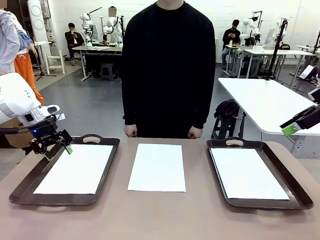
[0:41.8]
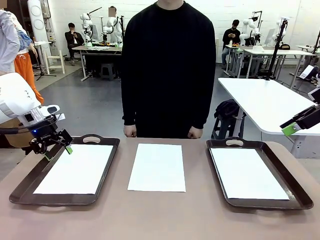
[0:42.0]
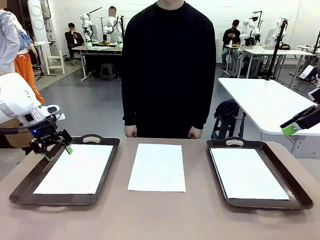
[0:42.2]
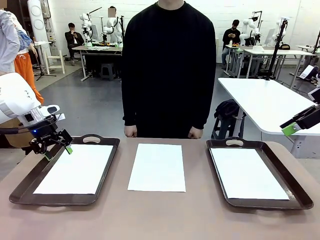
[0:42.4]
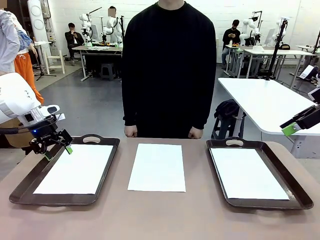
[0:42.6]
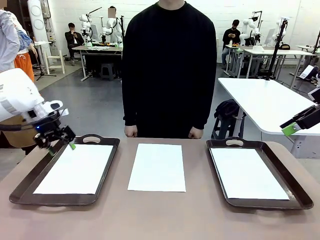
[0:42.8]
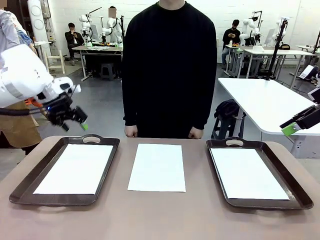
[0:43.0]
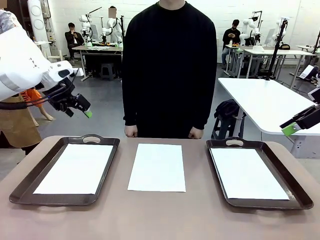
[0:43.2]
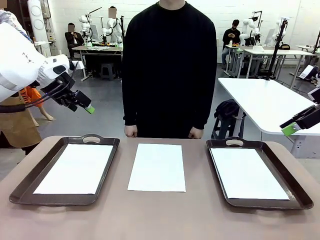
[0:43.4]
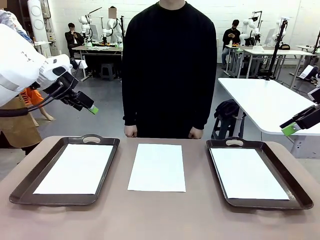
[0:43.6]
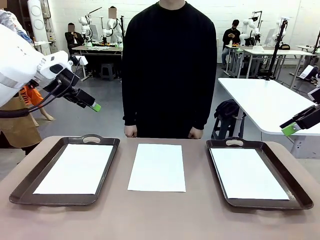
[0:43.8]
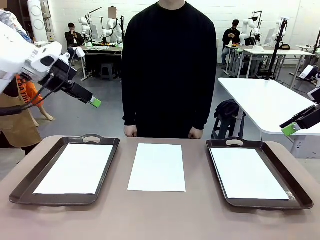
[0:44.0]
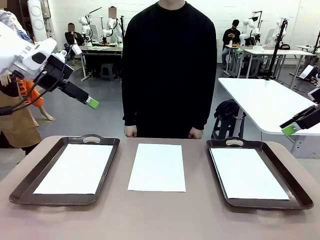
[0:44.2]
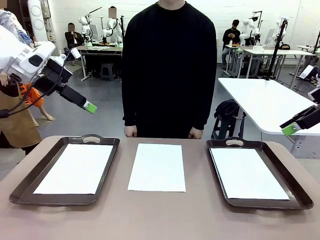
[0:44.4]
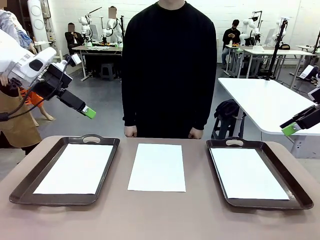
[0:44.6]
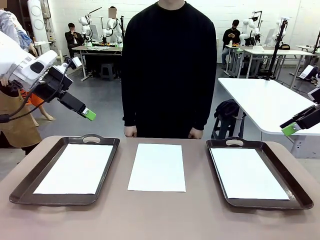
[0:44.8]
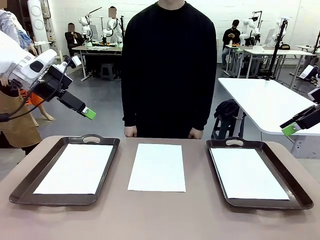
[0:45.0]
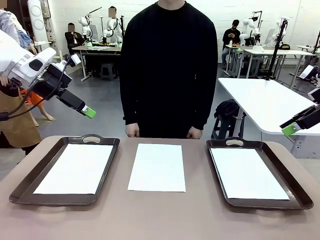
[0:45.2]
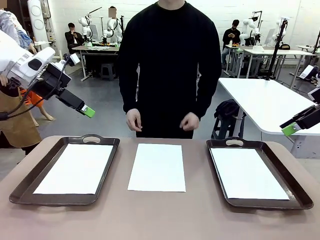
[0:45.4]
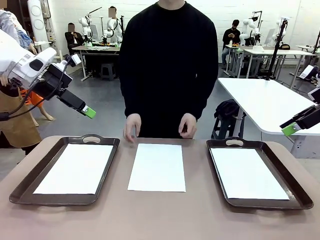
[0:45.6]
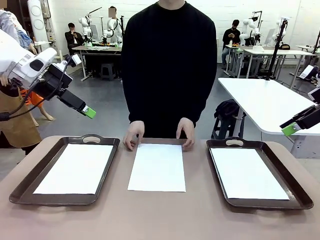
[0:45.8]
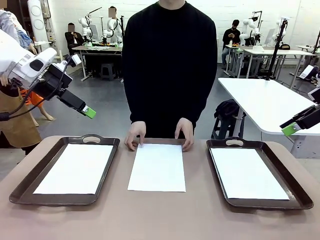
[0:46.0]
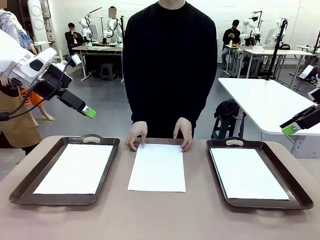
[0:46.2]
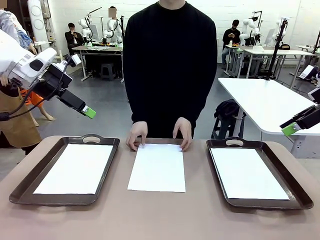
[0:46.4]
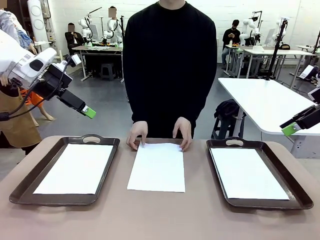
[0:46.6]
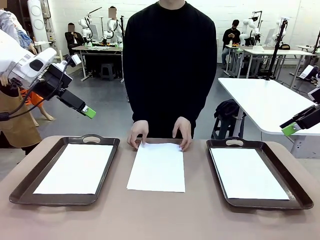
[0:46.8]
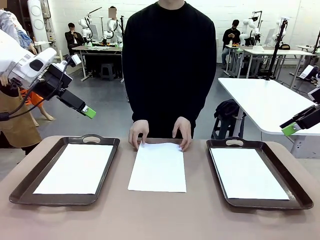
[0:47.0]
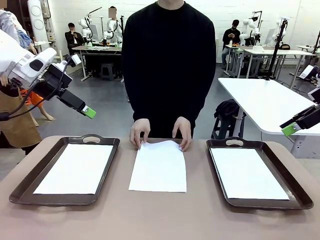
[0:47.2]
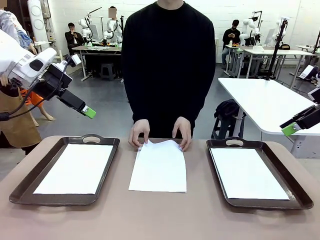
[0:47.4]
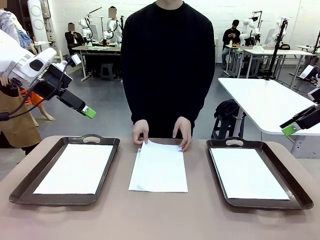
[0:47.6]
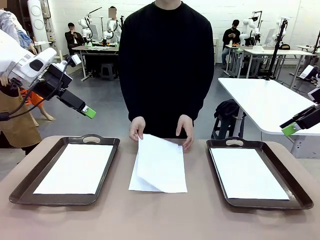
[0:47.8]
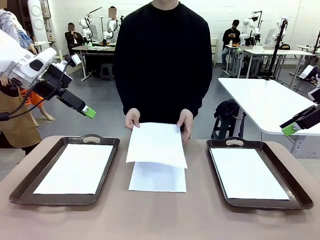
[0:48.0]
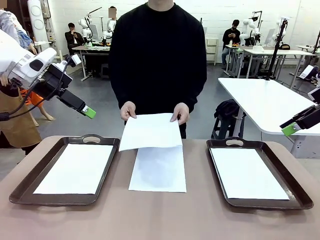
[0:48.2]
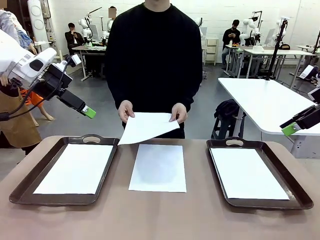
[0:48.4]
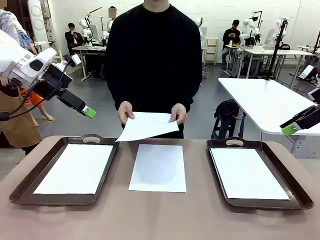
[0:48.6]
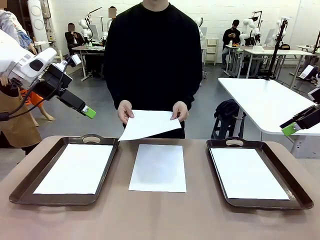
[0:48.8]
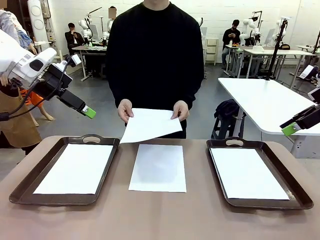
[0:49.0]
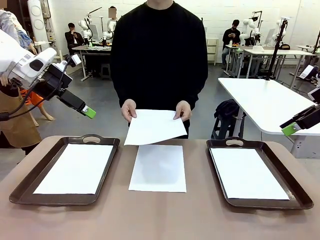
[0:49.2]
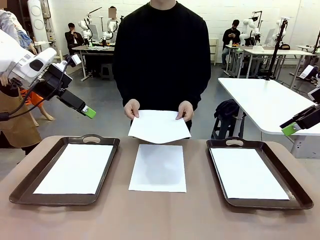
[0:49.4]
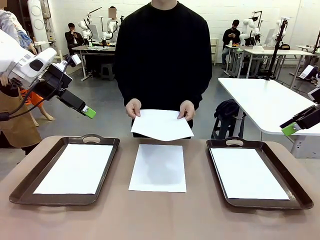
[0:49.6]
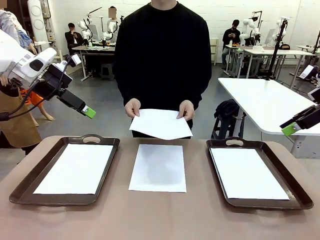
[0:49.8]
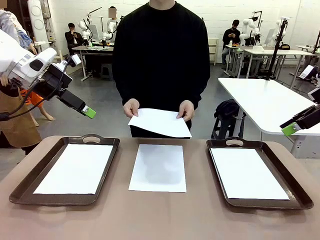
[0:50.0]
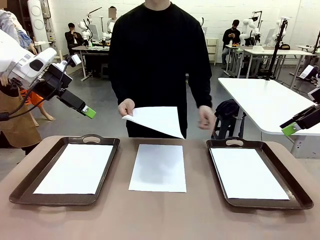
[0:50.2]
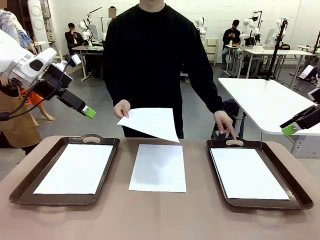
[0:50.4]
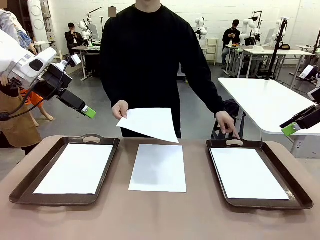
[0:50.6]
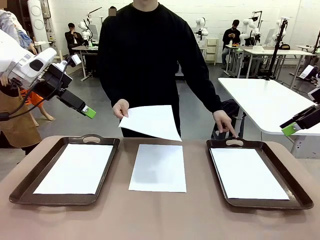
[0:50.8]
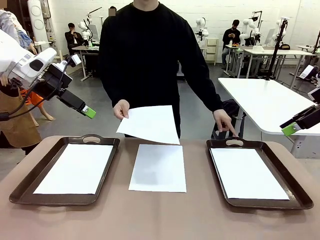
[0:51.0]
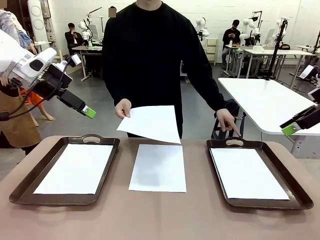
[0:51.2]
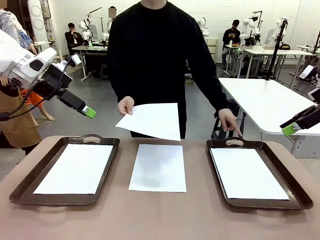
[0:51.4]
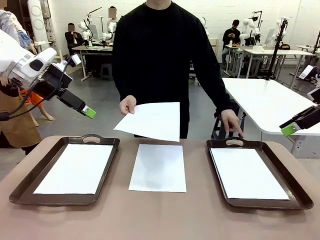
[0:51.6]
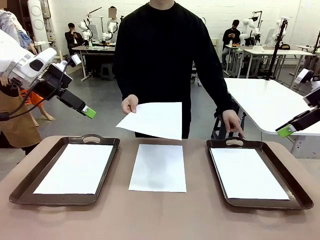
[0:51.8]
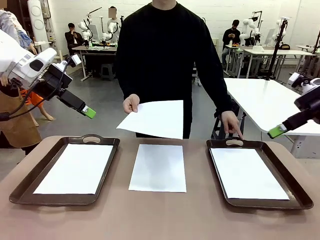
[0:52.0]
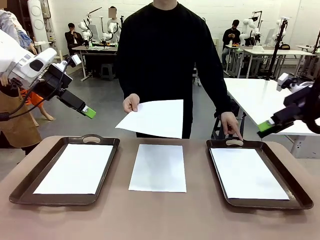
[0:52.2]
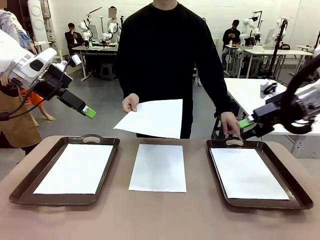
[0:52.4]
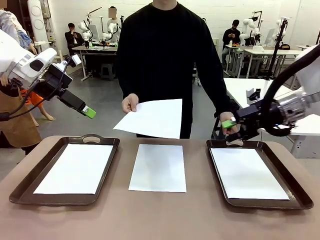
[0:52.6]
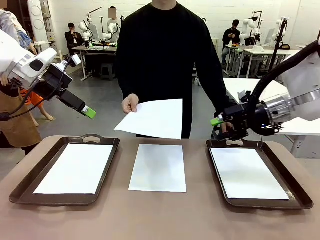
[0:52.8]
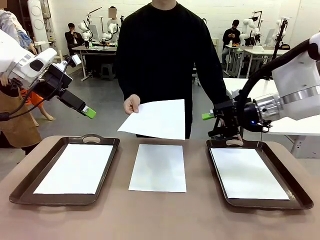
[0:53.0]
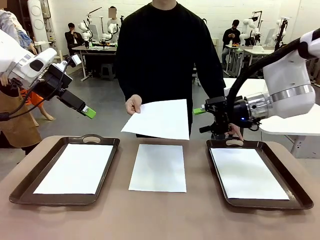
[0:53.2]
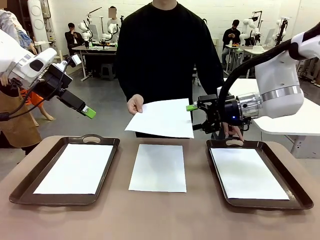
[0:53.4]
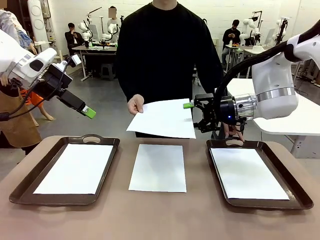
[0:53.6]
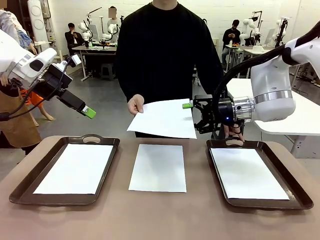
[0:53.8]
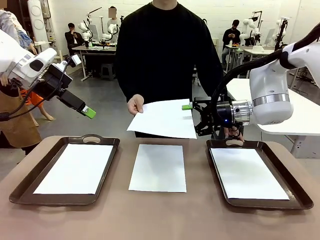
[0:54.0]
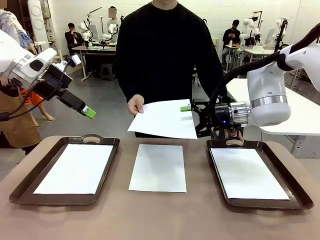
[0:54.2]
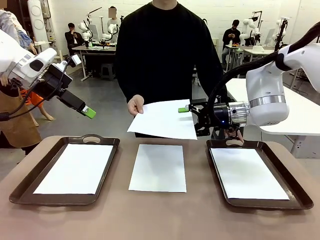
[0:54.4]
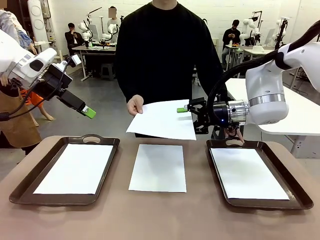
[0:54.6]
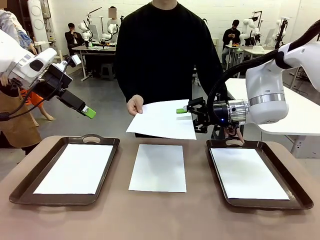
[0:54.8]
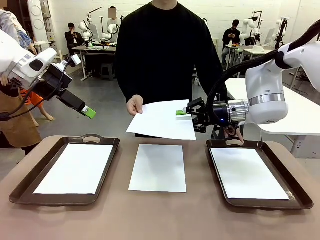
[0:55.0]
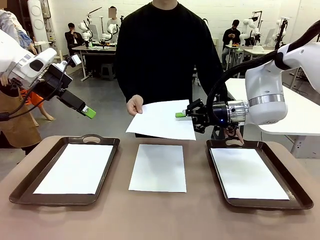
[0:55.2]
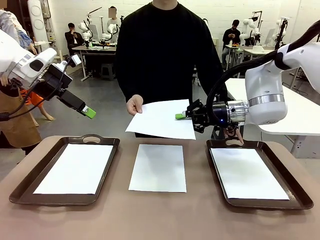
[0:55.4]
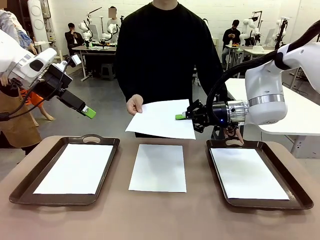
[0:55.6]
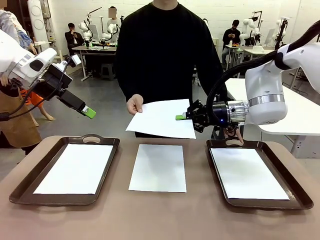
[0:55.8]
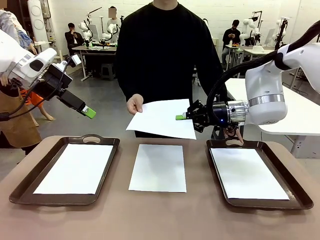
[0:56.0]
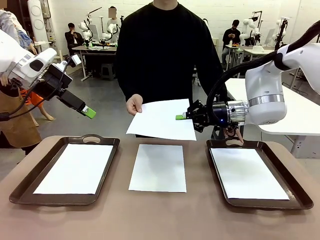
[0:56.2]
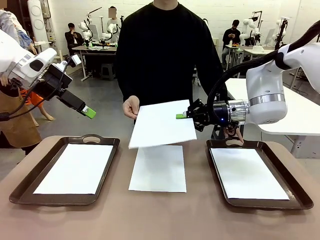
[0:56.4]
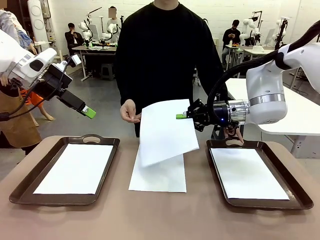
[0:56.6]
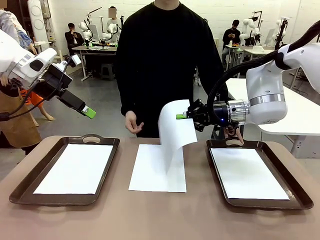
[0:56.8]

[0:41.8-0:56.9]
Task: Sort the A4 documents.
Robot: Receive the A4 Paper.
Person: Point the randomly selected tray with the other hand.

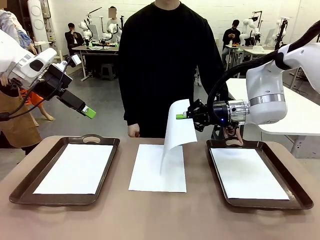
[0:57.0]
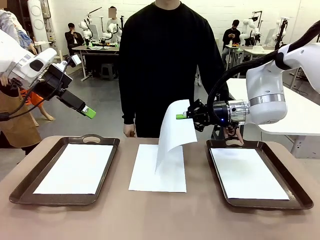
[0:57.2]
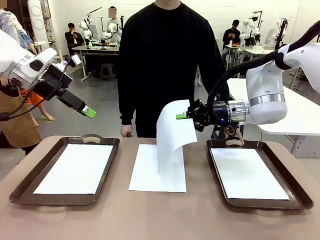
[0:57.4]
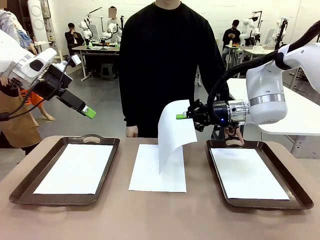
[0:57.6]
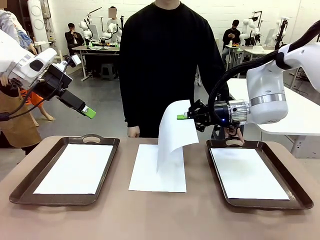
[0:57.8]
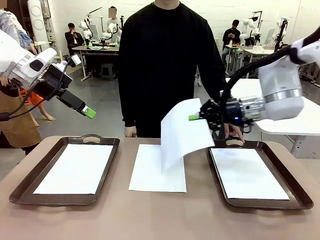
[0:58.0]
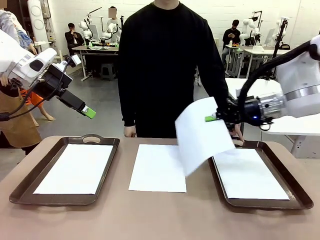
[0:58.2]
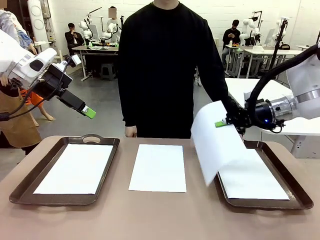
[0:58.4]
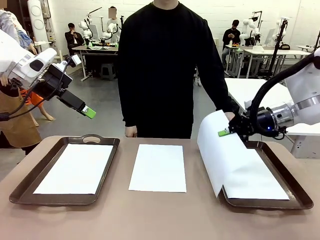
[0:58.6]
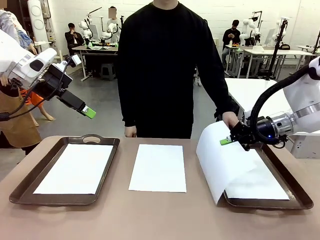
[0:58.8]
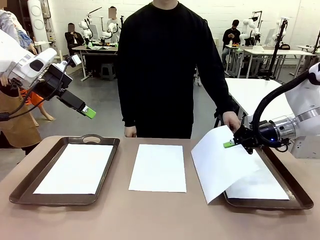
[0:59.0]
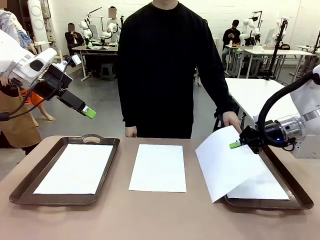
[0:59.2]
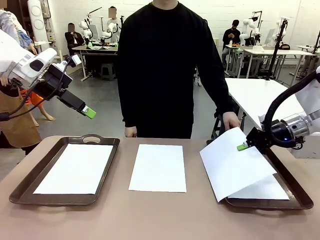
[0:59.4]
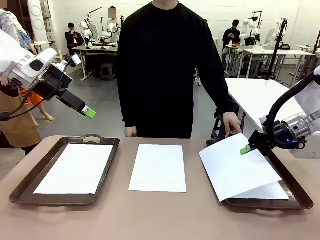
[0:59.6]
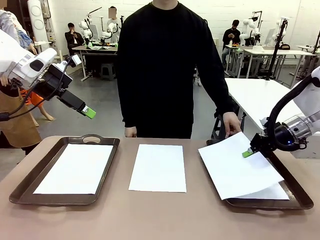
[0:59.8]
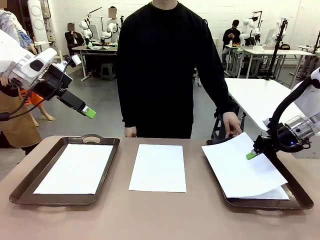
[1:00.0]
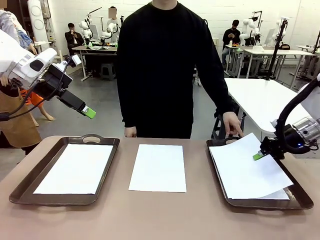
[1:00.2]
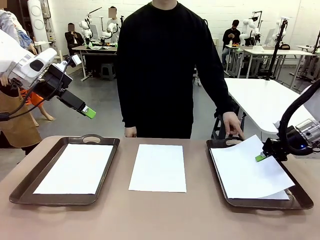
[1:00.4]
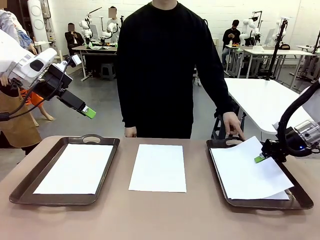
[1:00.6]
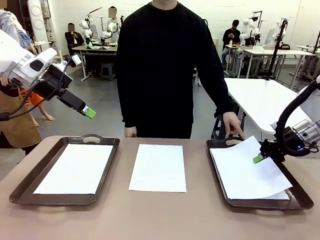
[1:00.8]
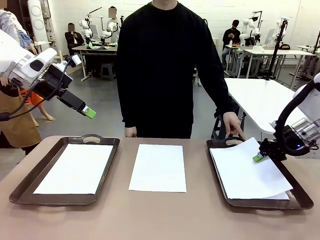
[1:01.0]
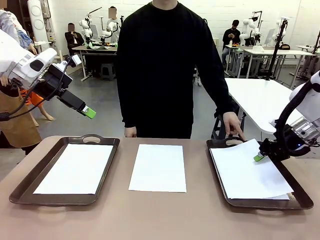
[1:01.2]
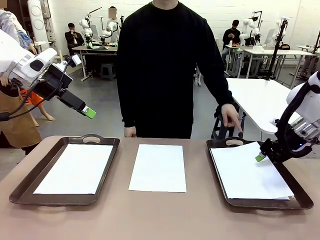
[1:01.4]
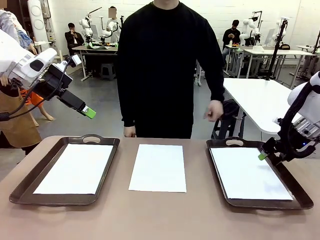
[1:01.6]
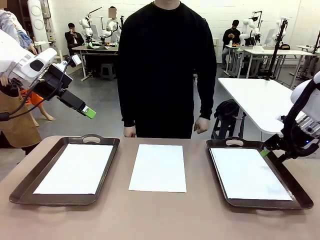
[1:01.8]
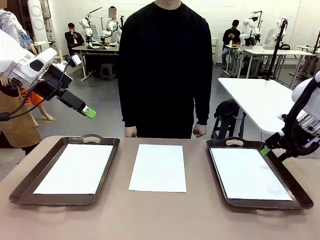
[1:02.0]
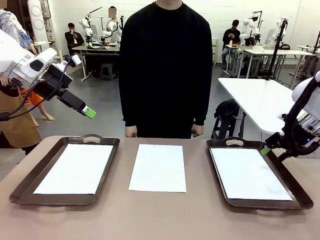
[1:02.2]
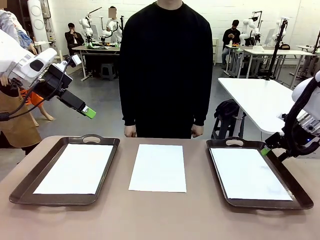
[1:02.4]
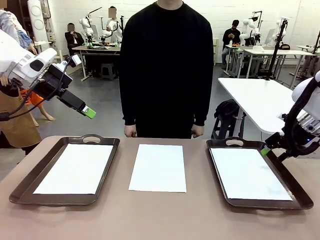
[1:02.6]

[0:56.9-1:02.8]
Robot: Place the A4 Paper in the designated Handle tray.
